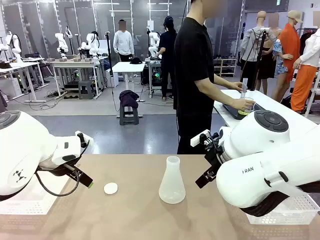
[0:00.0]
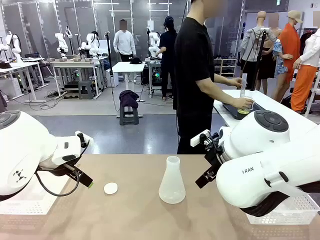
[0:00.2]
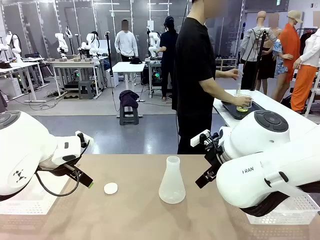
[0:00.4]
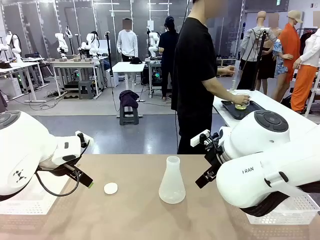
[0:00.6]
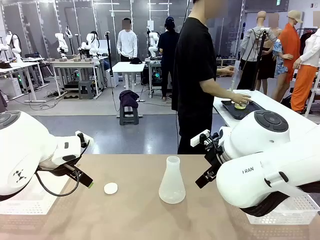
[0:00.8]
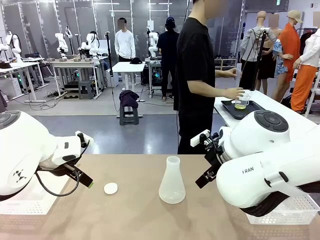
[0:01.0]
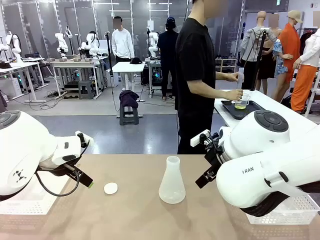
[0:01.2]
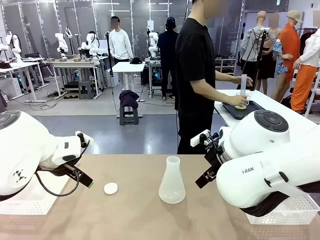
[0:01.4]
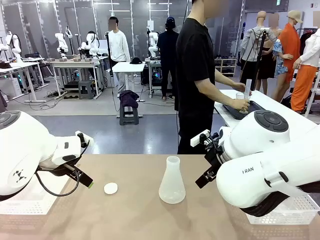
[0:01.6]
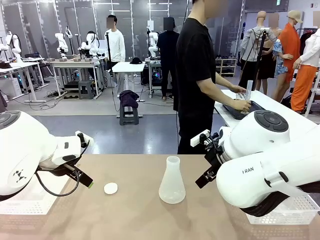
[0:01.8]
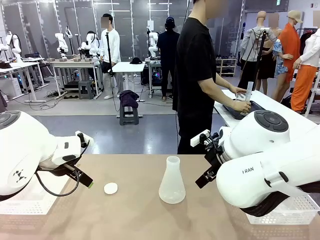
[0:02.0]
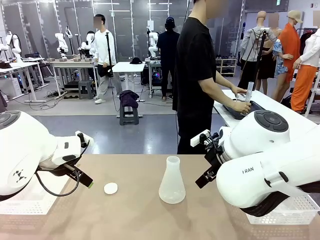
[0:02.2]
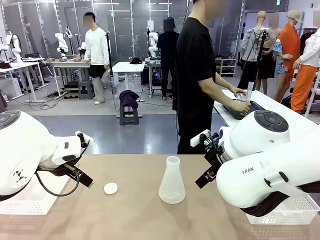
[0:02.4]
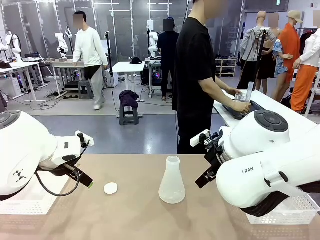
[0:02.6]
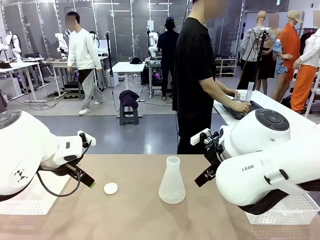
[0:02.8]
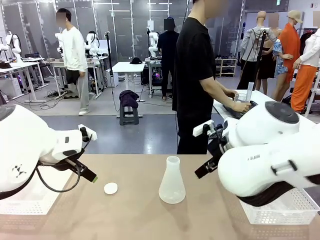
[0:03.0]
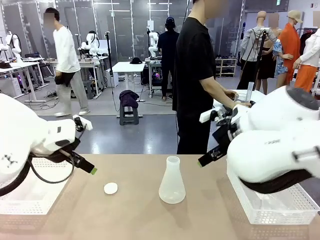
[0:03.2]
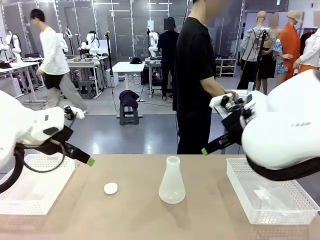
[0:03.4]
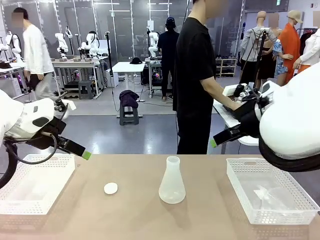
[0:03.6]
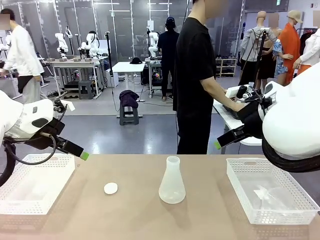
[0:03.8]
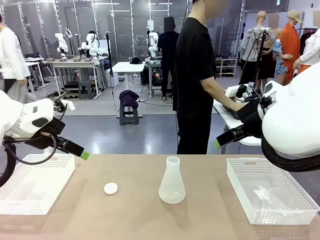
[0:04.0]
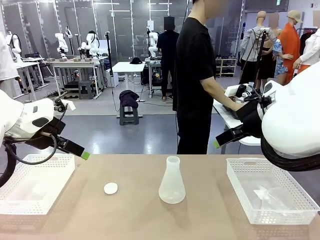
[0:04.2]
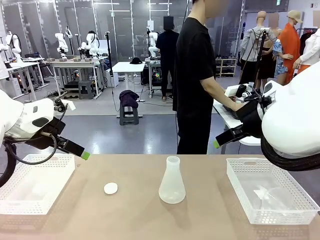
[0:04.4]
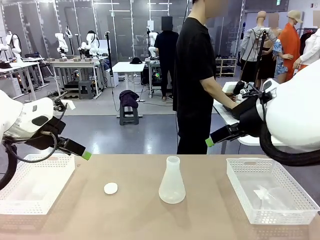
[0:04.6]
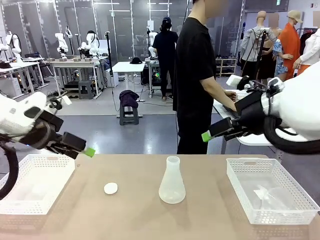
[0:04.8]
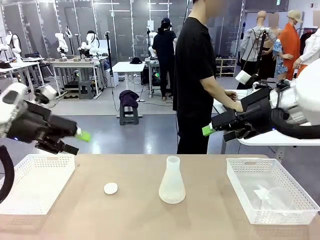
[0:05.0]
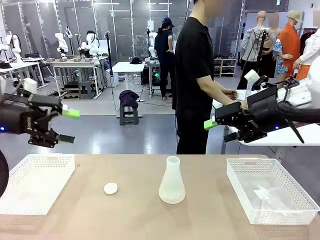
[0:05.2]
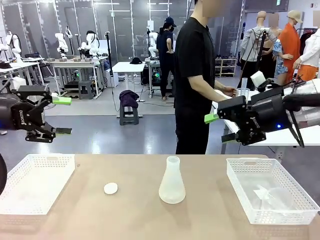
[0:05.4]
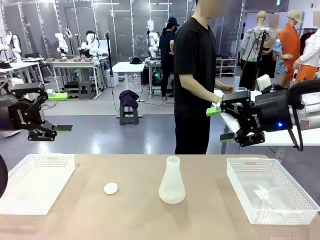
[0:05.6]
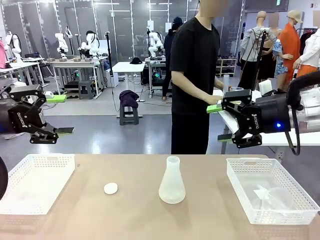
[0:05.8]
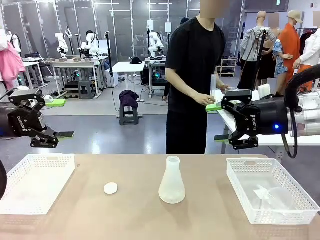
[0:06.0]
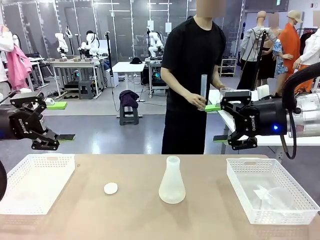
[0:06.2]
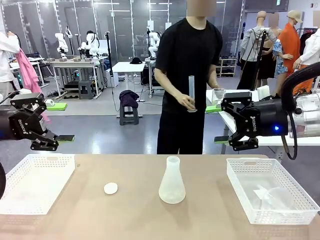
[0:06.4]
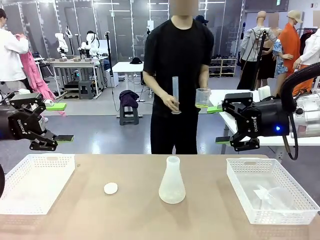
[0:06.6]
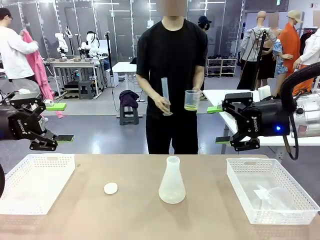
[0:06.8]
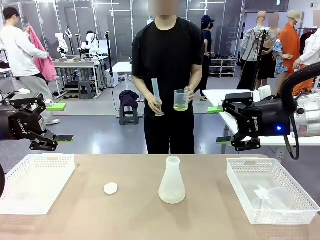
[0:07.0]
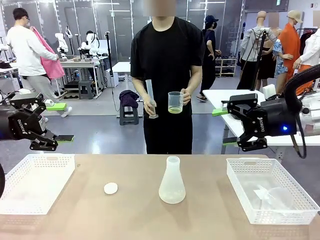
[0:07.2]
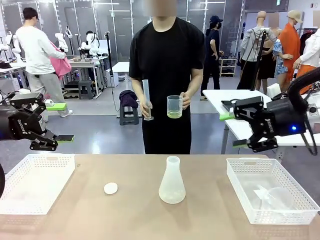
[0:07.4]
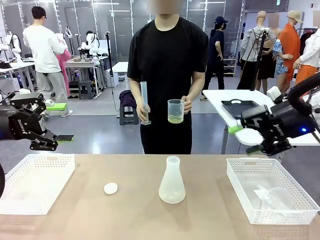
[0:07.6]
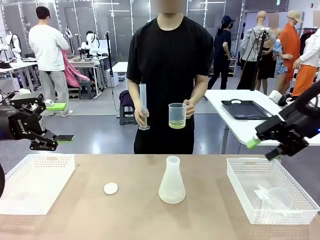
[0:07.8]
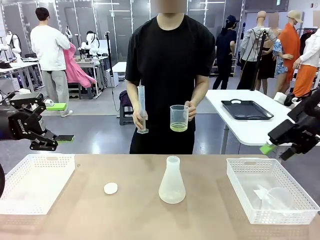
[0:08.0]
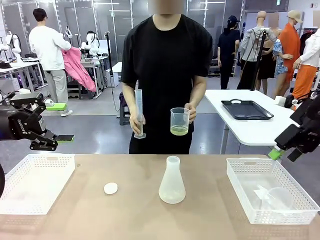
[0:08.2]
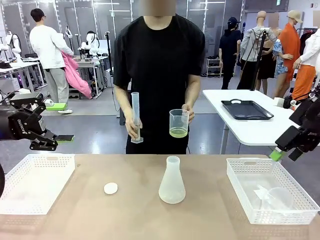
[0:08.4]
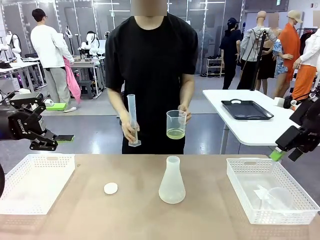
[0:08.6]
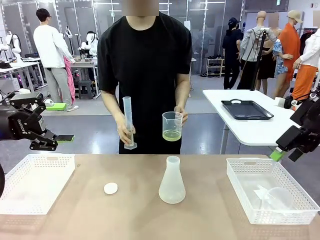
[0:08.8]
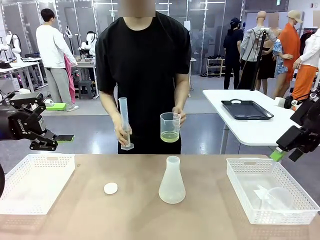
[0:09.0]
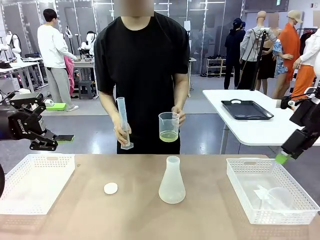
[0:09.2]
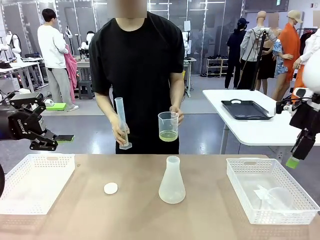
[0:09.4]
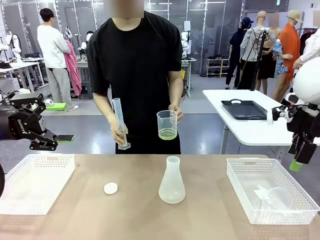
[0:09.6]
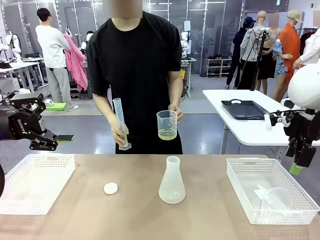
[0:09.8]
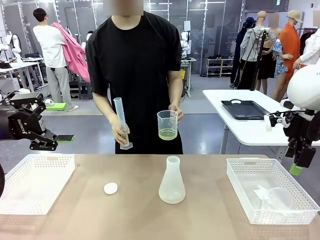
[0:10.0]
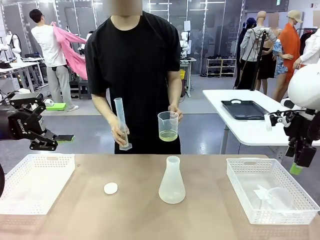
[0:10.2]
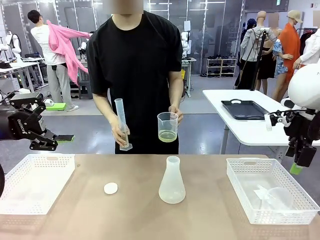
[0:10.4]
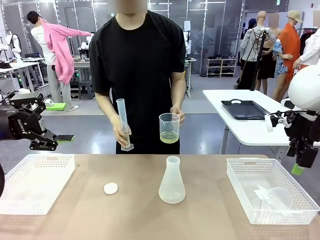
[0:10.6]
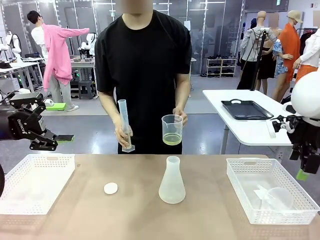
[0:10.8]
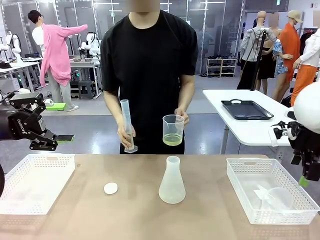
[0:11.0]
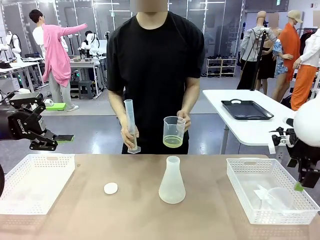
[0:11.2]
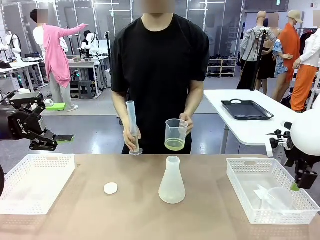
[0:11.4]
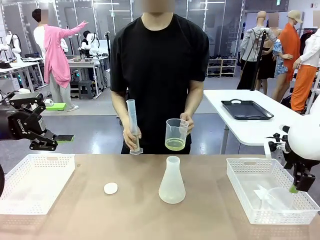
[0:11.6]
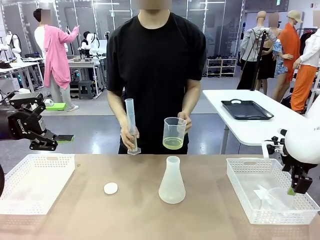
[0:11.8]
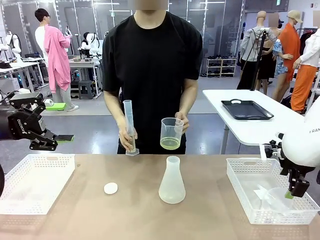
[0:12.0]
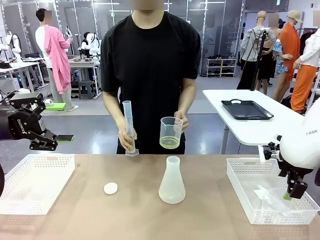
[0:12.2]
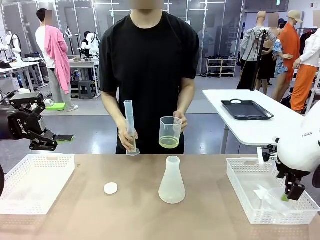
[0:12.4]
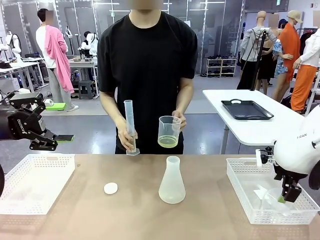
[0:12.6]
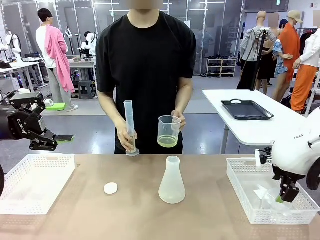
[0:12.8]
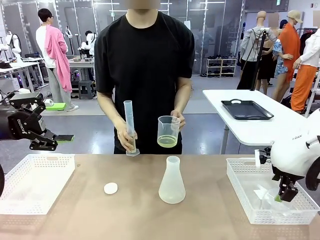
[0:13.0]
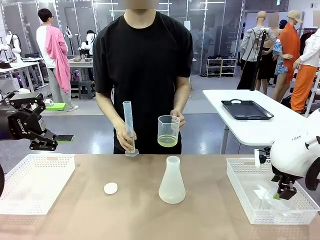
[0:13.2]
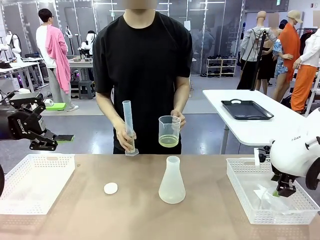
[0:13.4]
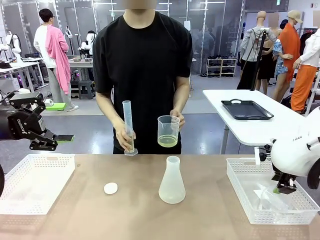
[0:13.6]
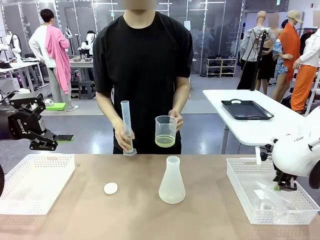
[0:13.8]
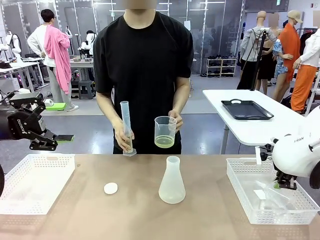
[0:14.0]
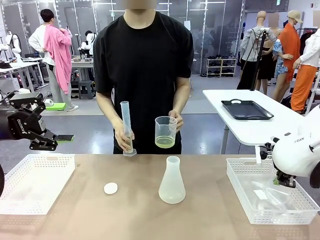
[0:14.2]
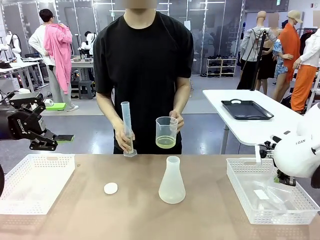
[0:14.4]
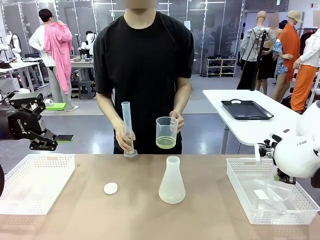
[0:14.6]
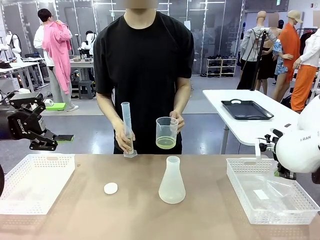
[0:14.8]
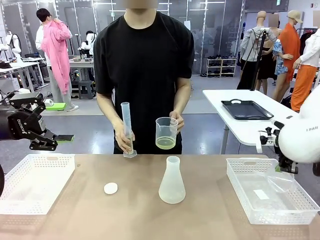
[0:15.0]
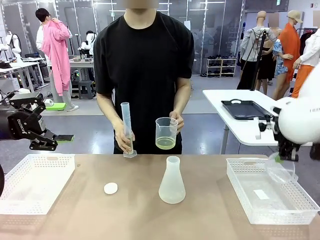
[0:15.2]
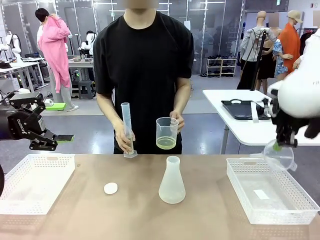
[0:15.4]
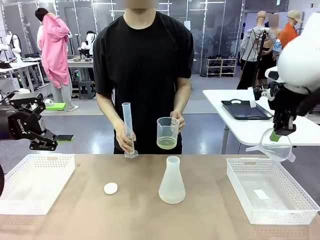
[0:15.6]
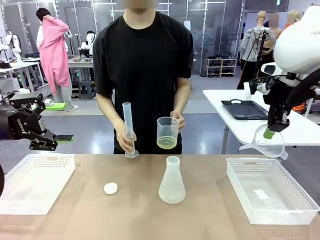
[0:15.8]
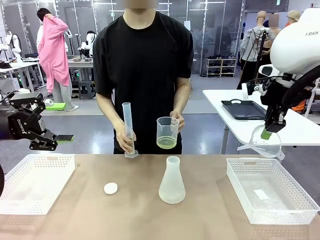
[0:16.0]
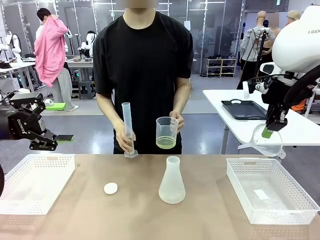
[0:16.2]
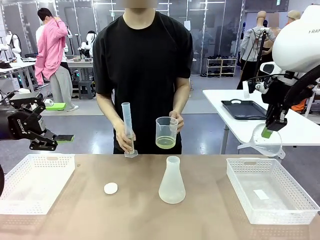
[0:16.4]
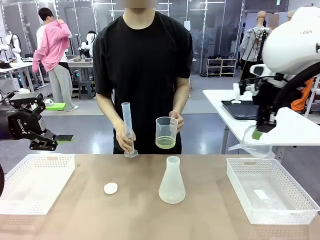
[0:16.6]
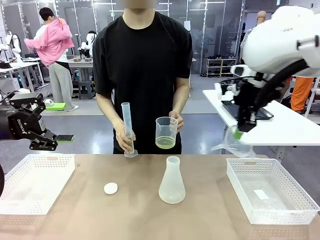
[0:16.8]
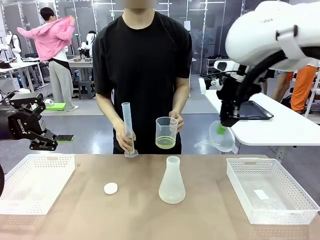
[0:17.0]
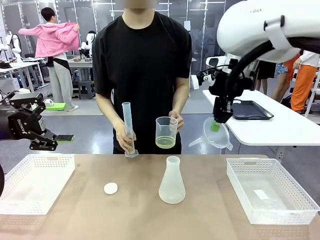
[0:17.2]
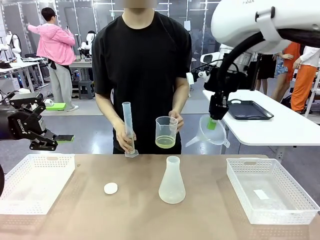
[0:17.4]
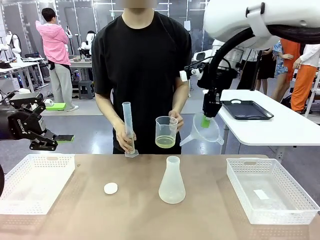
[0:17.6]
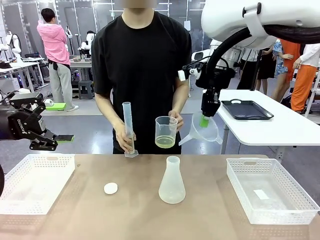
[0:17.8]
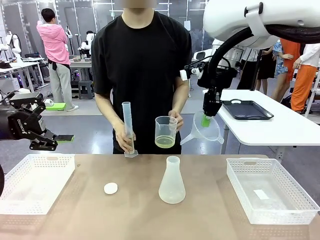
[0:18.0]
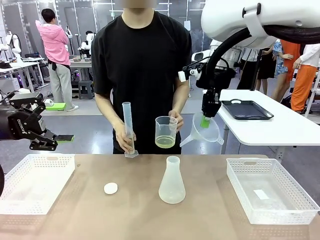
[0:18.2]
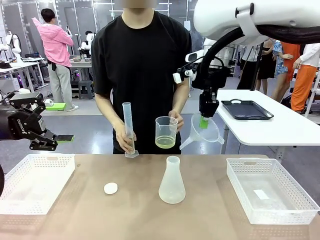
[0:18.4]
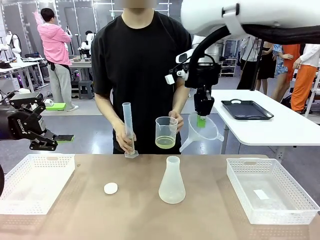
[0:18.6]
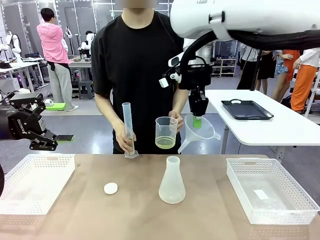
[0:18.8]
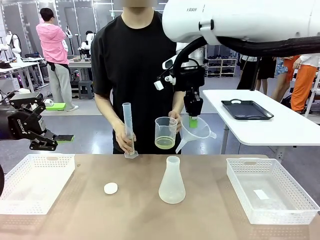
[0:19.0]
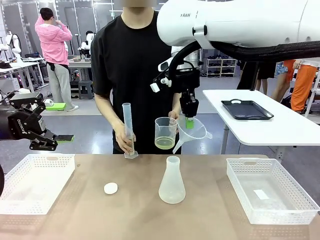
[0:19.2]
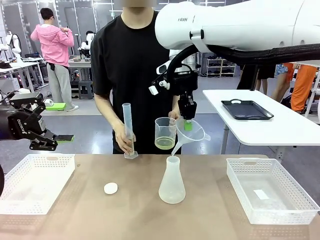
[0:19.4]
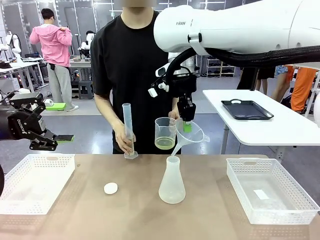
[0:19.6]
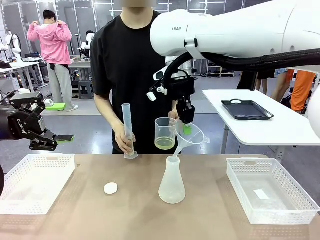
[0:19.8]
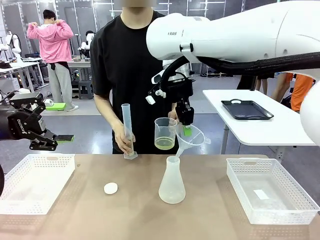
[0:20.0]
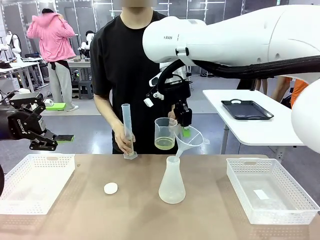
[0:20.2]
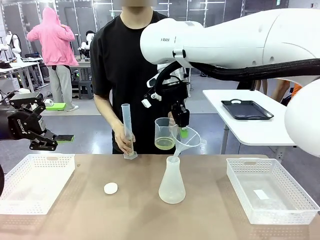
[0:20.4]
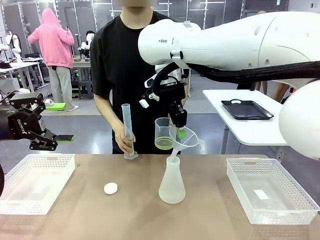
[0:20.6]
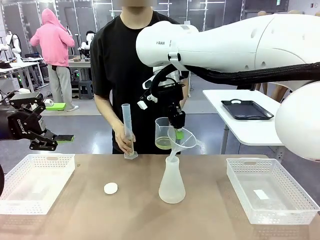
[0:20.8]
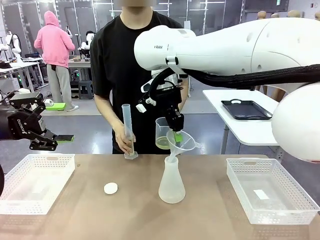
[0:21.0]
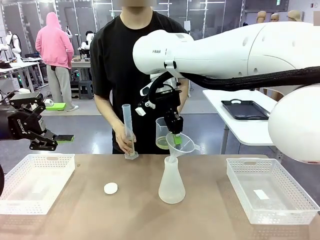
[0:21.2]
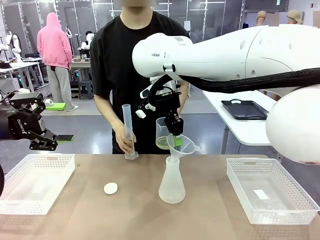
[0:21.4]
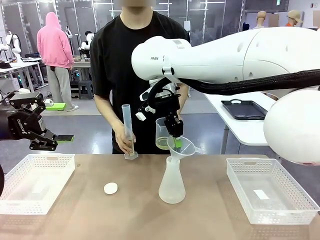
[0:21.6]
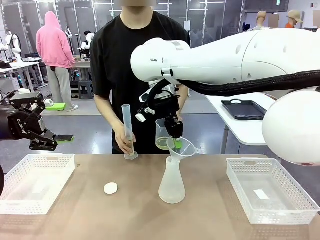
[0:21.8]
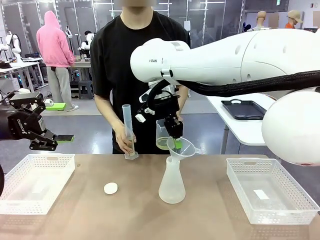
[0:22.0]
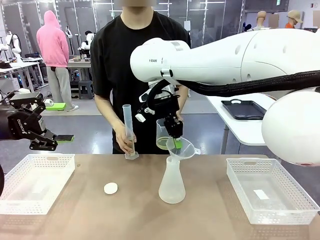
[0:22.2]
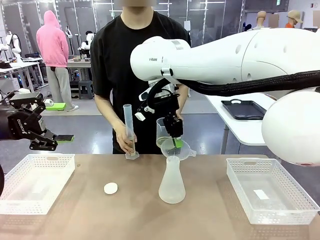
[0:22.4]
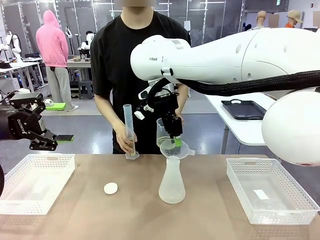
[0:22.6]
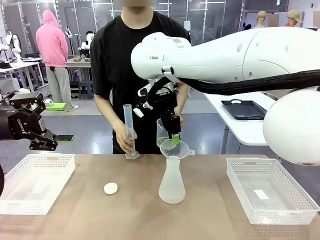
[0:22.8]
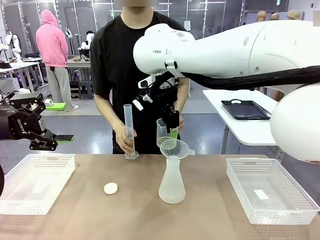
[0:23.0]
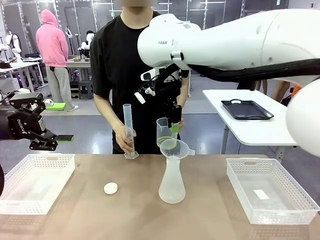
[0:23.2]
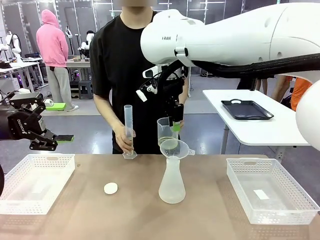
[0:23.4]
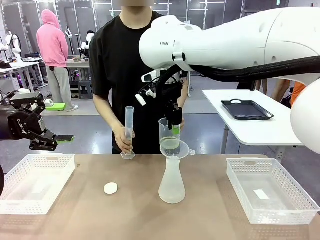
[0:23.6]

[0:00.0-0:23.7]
Task: Prepare the solutions needed for the experiment.
Robot: Pick up the Plastic Funnel and insert it into the Big flask.
Person: Pick up the beaker and the cylinder and move to the middle of the robot table. Pour the solution from the beaker and the cylinder into the flask.
